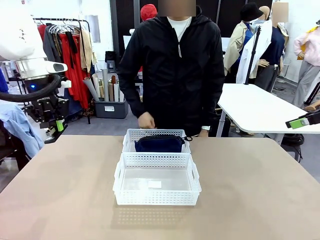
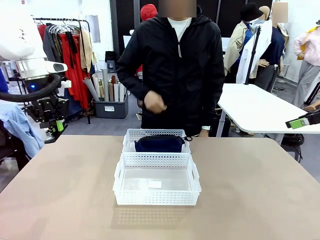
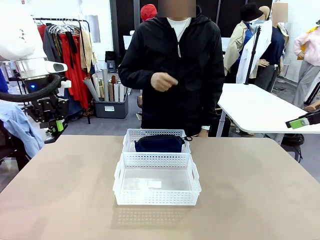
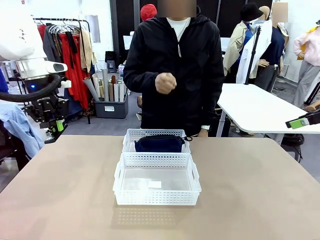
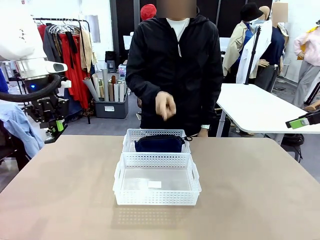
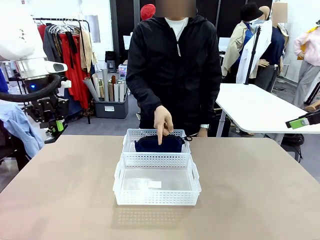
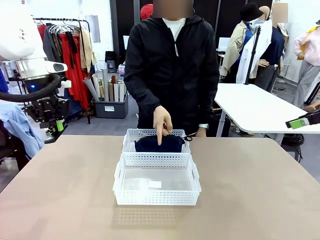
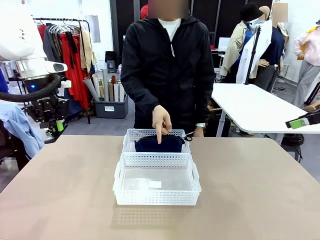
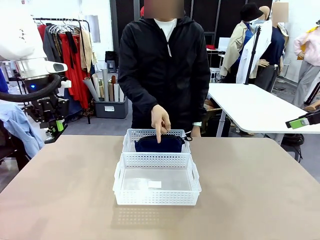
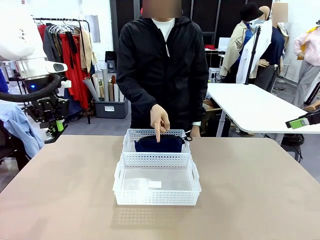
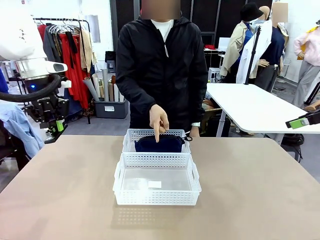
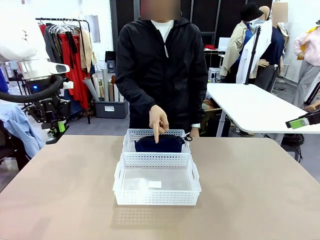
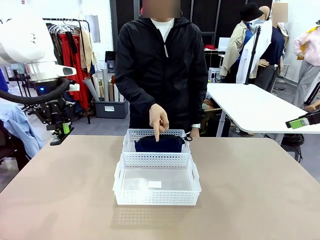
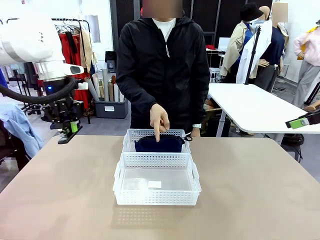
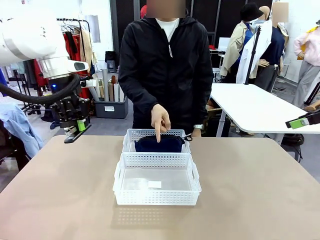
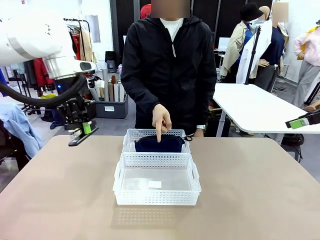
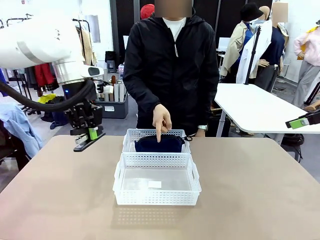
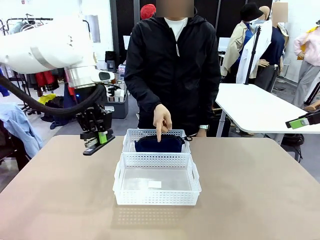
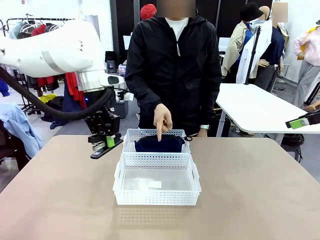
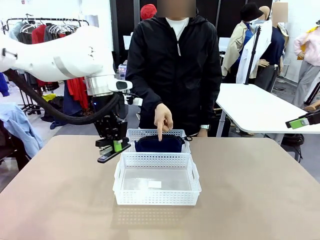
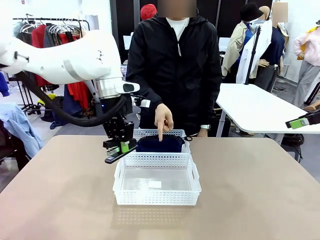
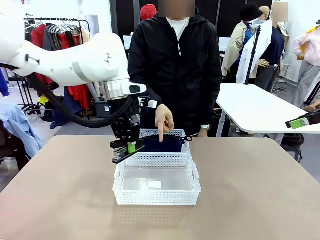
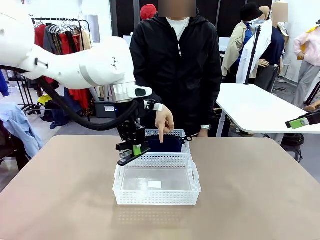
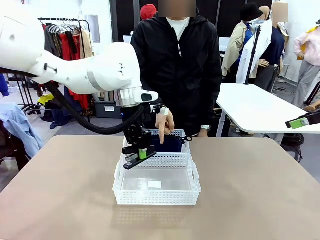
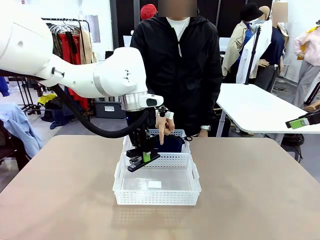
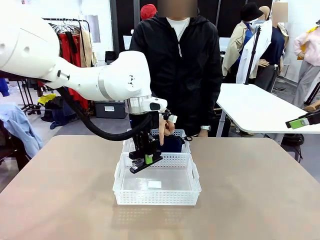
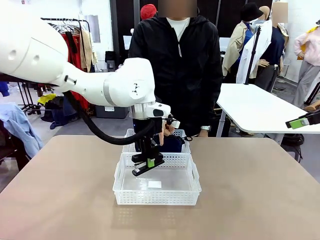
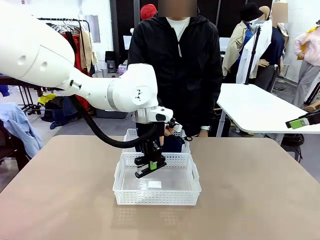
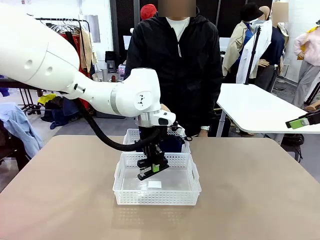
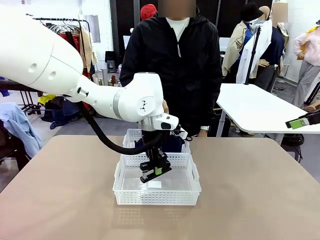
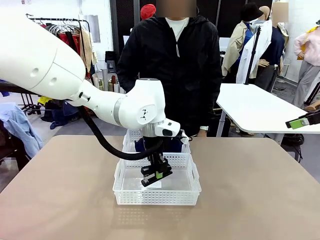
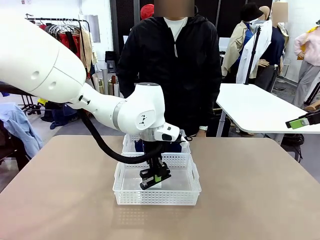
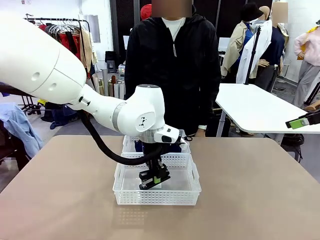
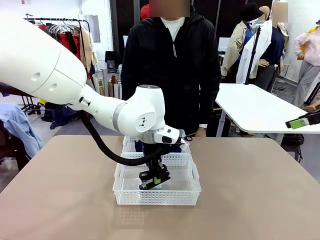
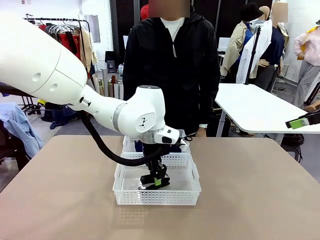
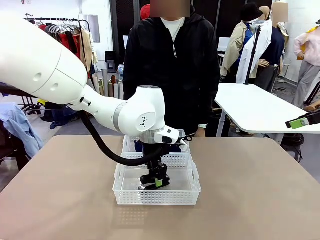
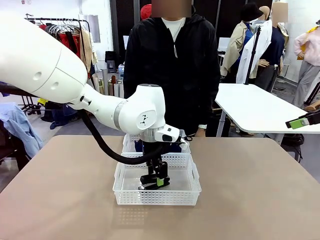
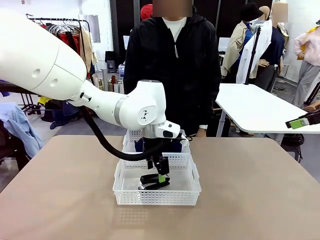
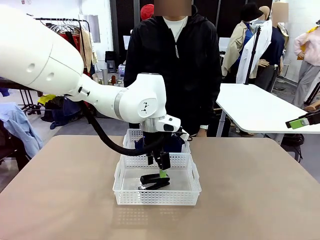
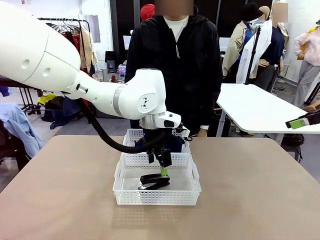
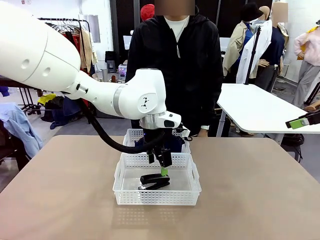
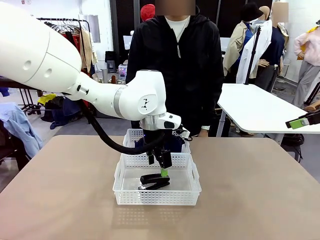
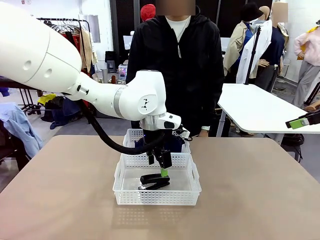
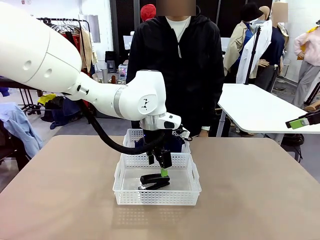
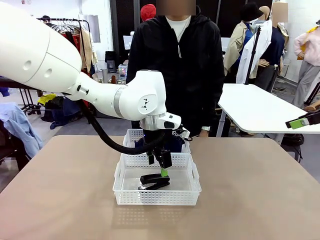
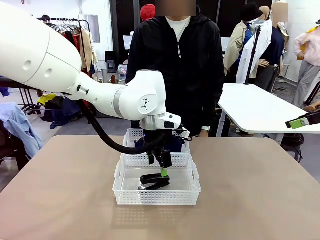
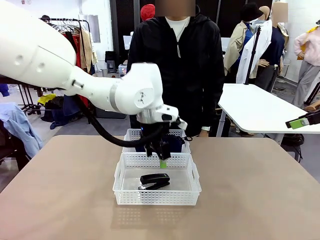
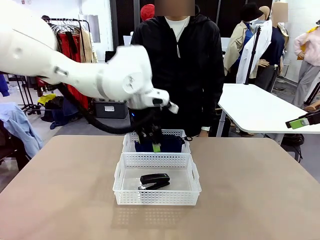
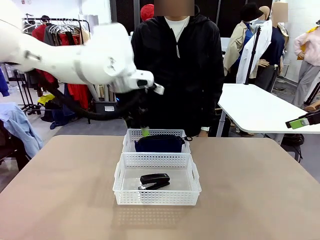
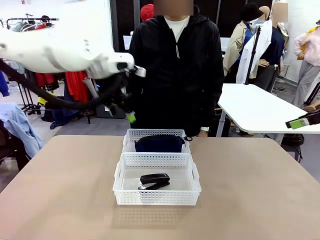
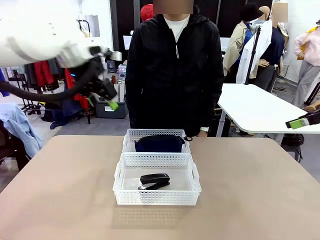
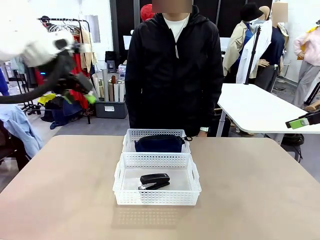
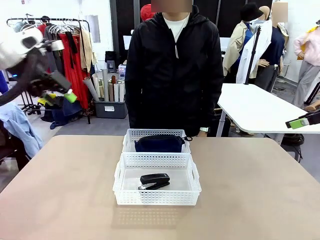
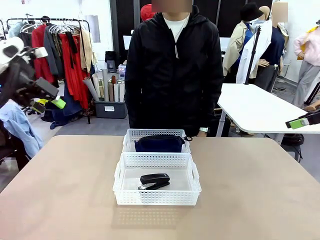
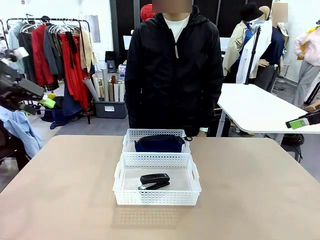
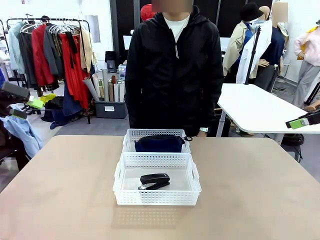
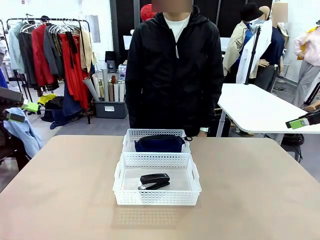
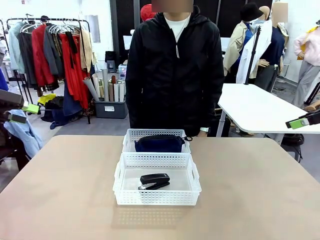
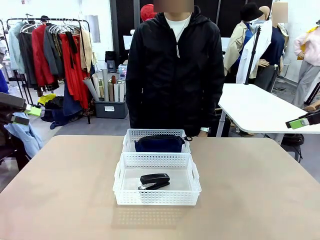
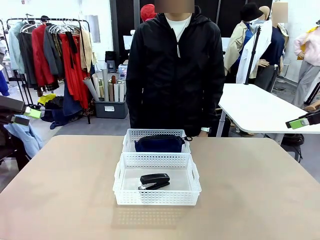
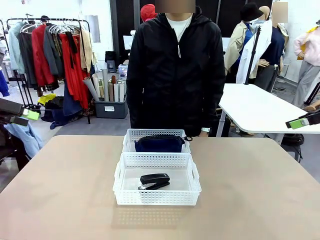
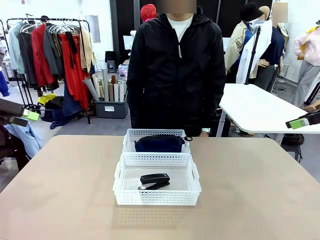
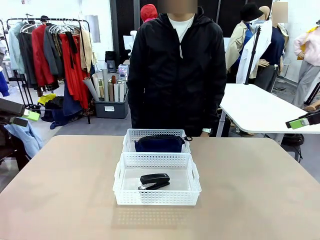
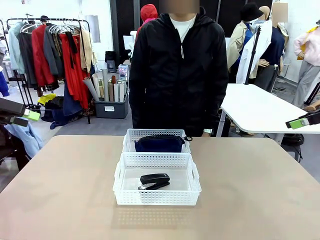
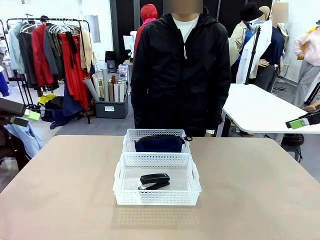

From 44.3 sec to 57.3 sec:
Task: Distribute items into two baskets.
Robot: Place the picked Stapler into the Organizing basket as instructed by the person.
Person: Points to the basket that does not contain the pencil case and instructs the robot to move the stapler there.
